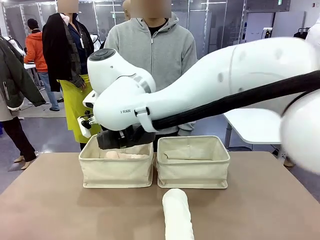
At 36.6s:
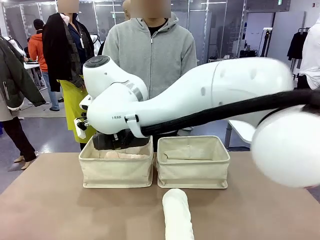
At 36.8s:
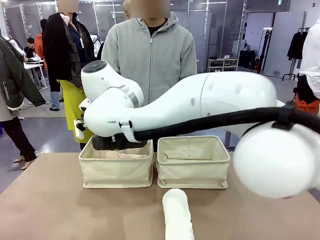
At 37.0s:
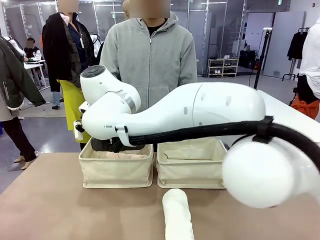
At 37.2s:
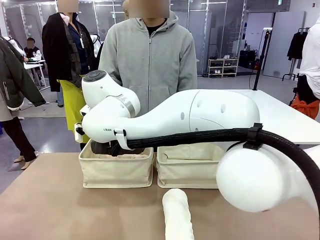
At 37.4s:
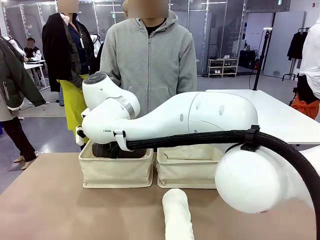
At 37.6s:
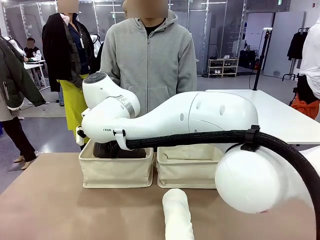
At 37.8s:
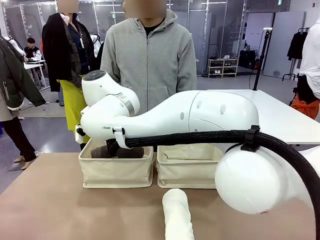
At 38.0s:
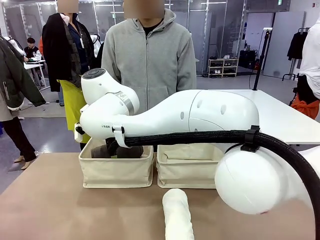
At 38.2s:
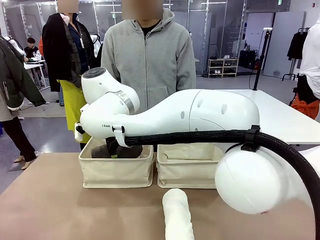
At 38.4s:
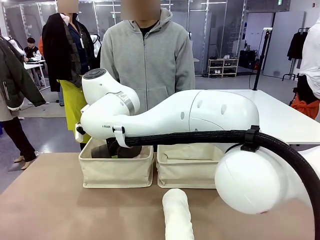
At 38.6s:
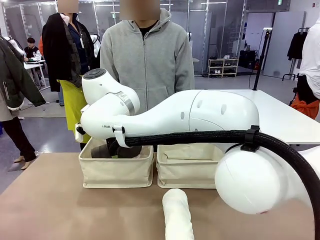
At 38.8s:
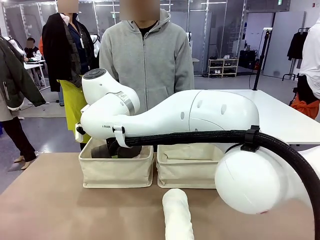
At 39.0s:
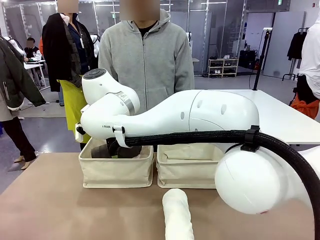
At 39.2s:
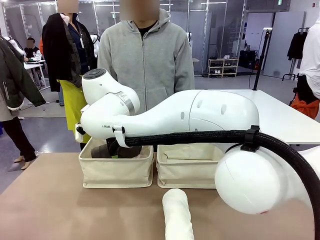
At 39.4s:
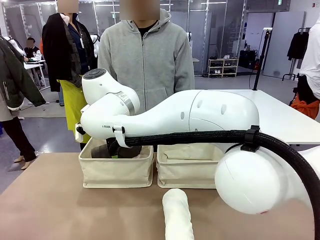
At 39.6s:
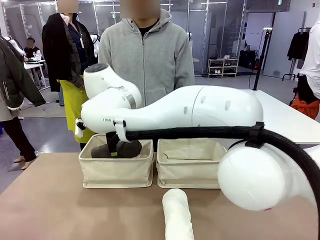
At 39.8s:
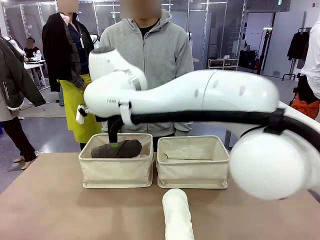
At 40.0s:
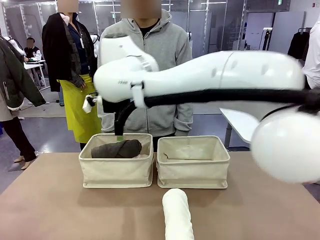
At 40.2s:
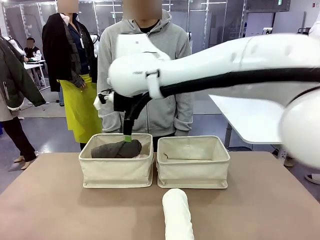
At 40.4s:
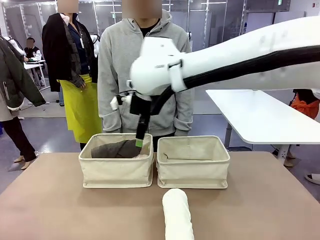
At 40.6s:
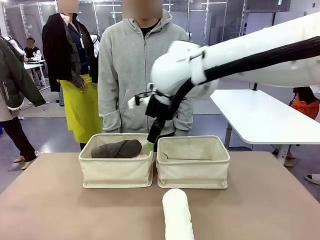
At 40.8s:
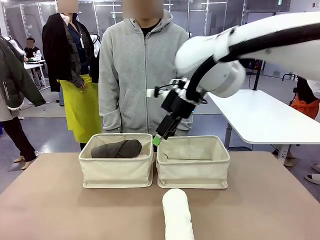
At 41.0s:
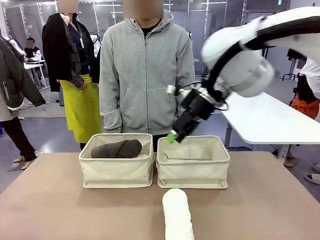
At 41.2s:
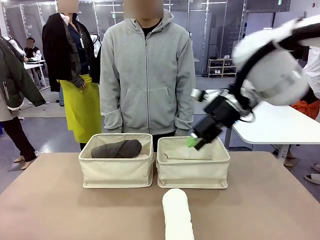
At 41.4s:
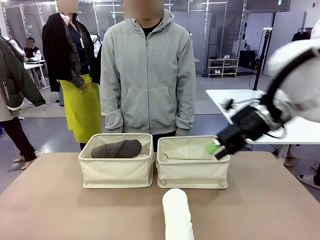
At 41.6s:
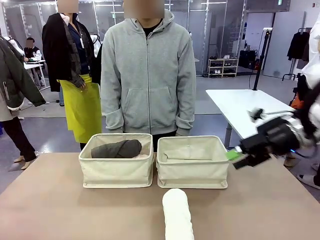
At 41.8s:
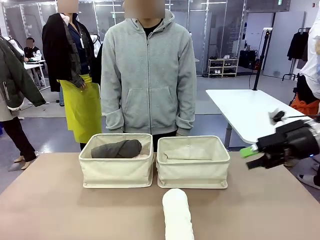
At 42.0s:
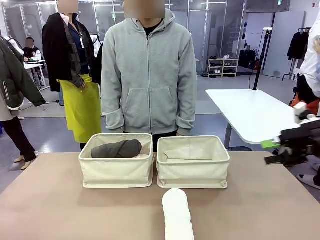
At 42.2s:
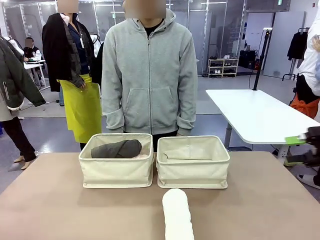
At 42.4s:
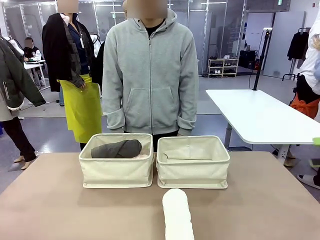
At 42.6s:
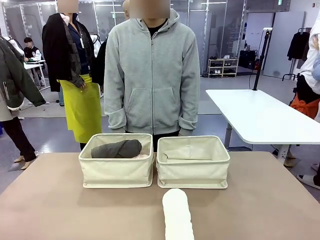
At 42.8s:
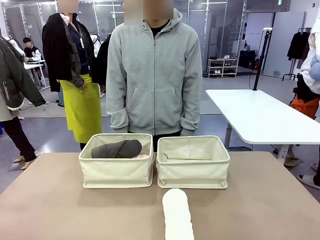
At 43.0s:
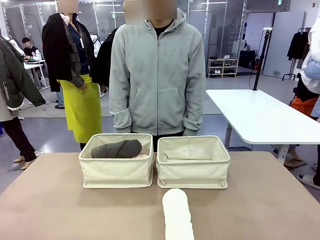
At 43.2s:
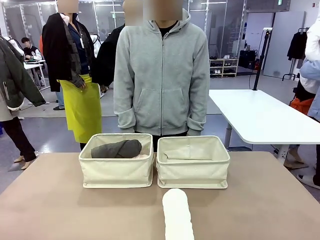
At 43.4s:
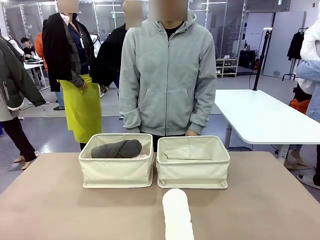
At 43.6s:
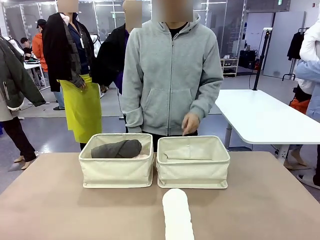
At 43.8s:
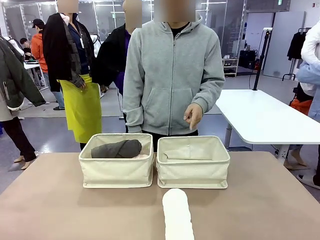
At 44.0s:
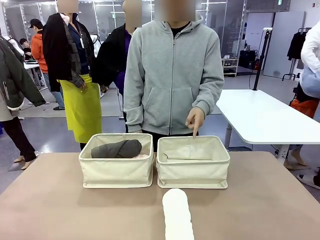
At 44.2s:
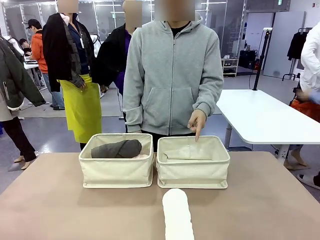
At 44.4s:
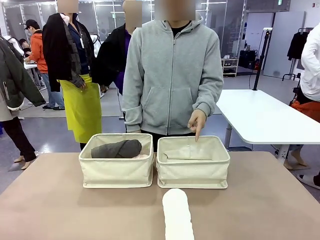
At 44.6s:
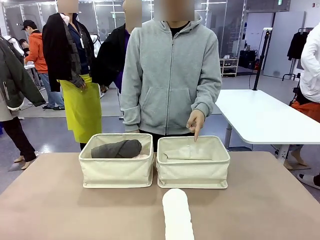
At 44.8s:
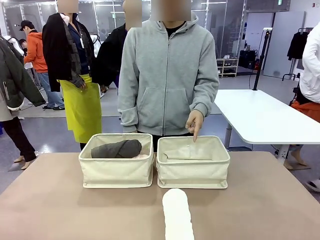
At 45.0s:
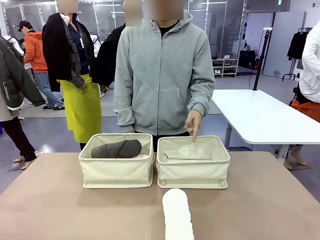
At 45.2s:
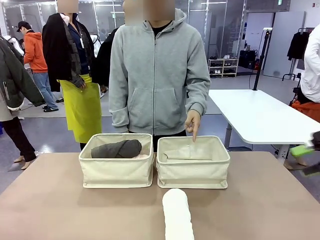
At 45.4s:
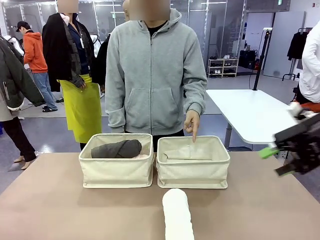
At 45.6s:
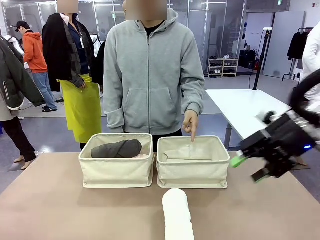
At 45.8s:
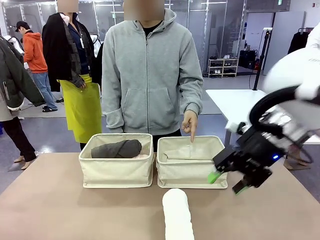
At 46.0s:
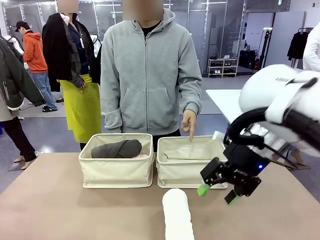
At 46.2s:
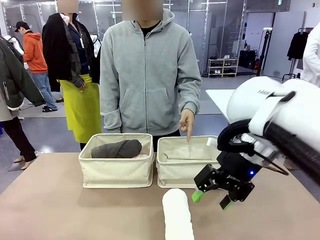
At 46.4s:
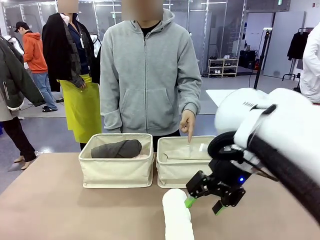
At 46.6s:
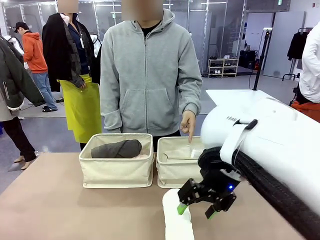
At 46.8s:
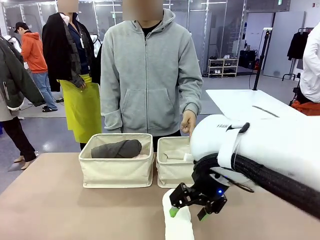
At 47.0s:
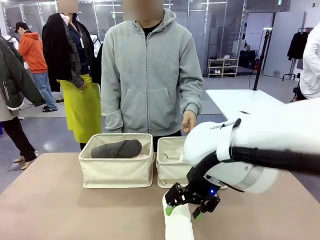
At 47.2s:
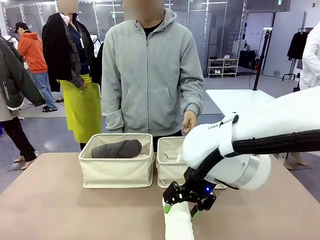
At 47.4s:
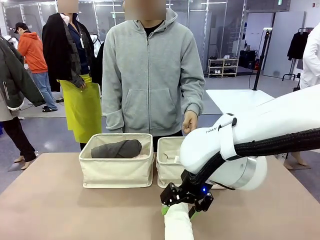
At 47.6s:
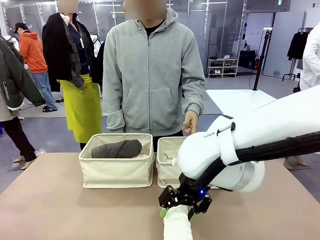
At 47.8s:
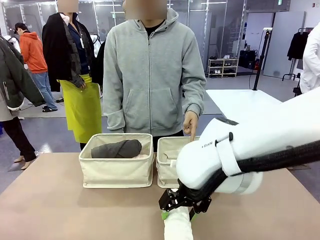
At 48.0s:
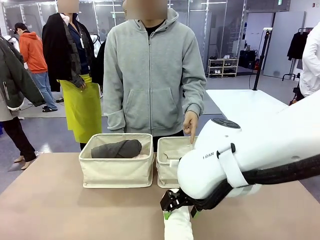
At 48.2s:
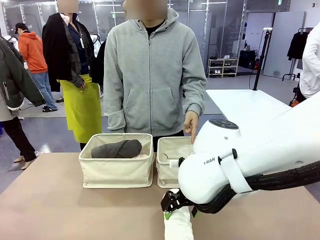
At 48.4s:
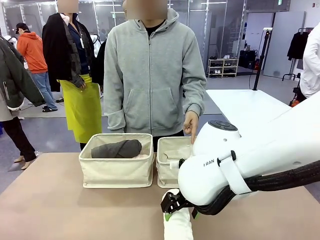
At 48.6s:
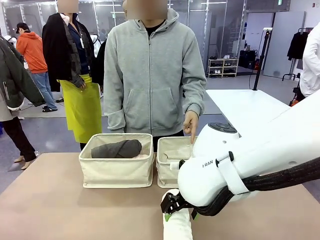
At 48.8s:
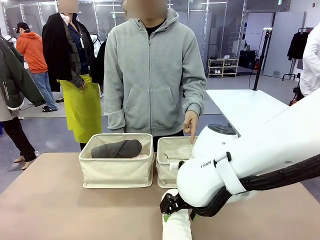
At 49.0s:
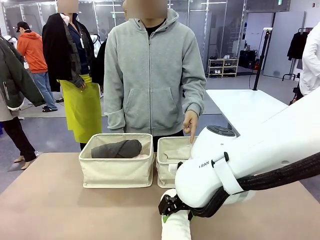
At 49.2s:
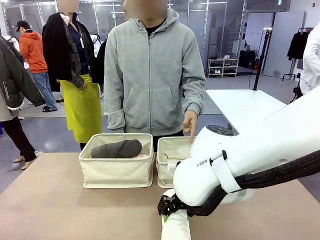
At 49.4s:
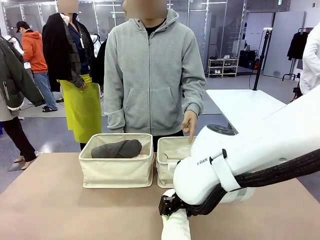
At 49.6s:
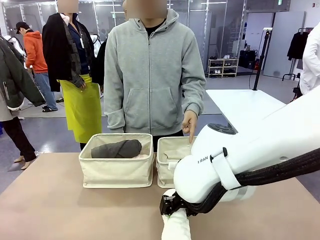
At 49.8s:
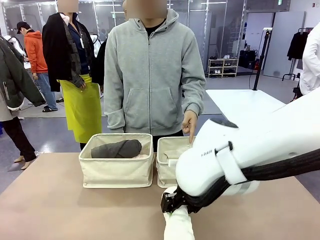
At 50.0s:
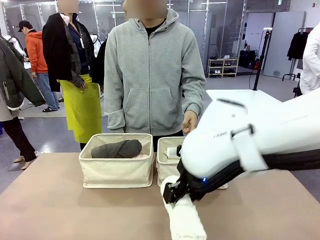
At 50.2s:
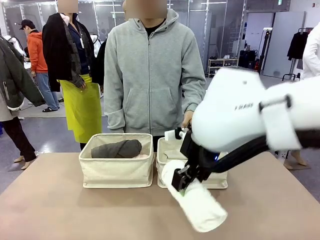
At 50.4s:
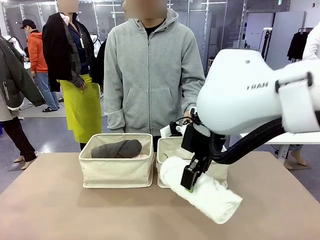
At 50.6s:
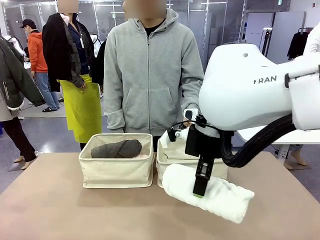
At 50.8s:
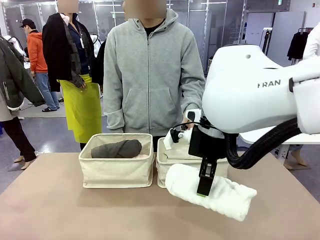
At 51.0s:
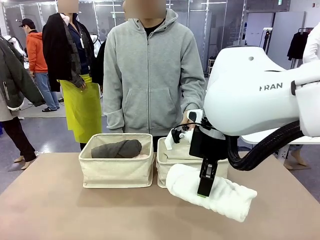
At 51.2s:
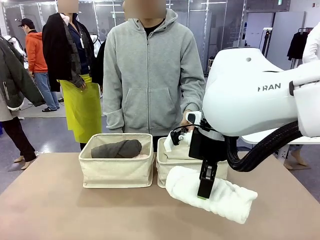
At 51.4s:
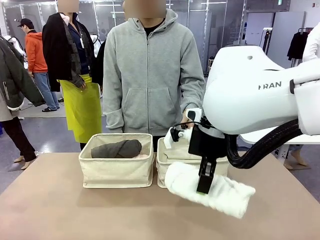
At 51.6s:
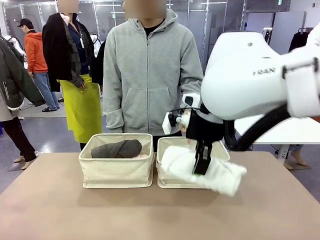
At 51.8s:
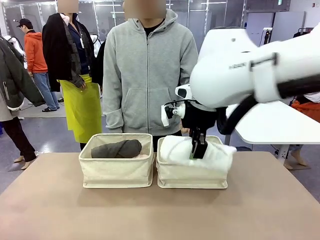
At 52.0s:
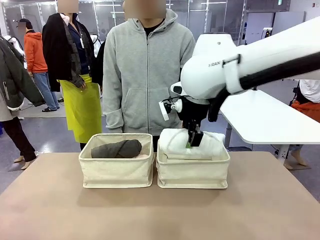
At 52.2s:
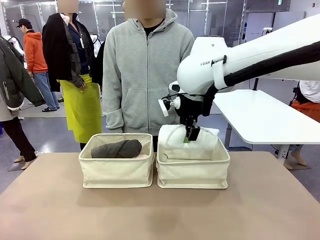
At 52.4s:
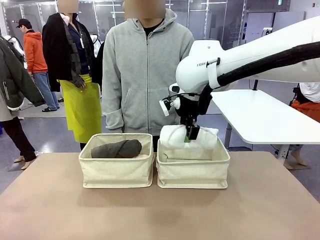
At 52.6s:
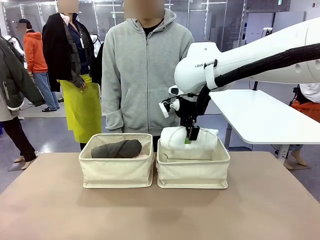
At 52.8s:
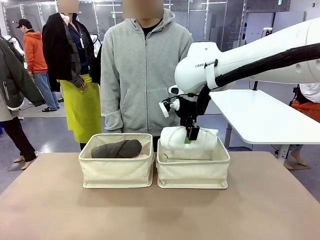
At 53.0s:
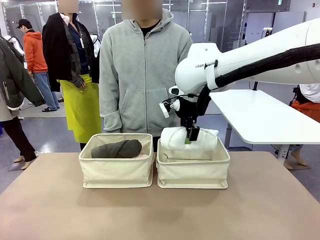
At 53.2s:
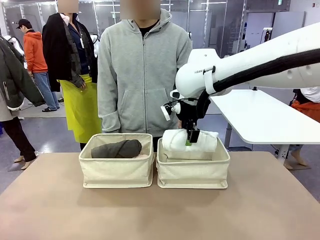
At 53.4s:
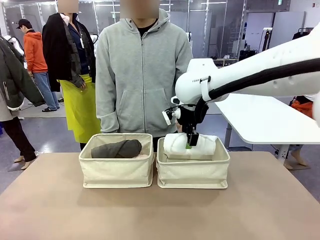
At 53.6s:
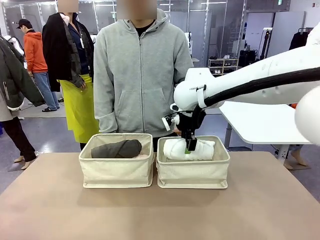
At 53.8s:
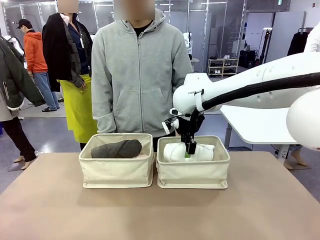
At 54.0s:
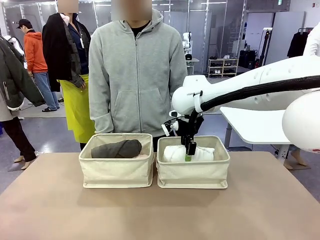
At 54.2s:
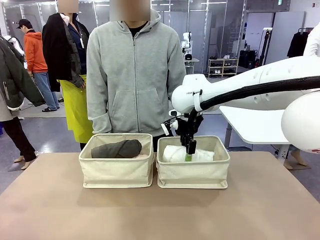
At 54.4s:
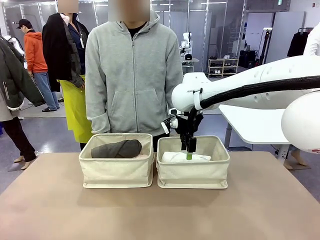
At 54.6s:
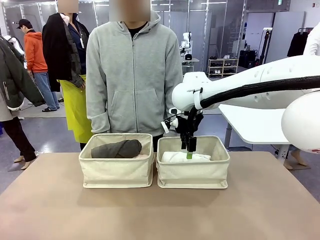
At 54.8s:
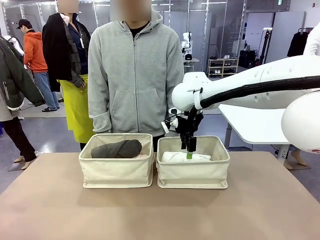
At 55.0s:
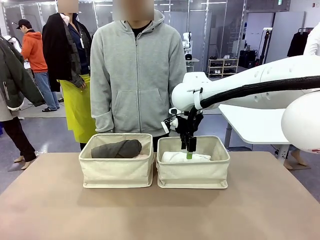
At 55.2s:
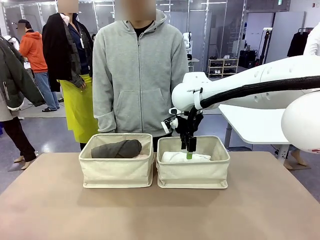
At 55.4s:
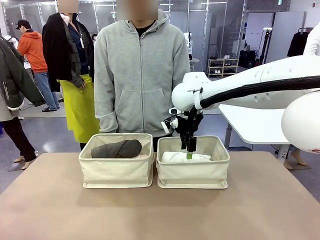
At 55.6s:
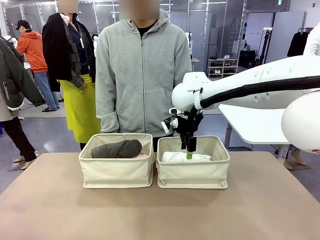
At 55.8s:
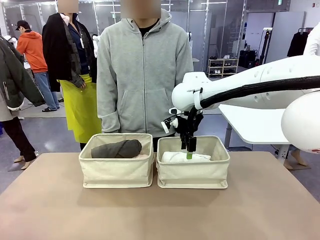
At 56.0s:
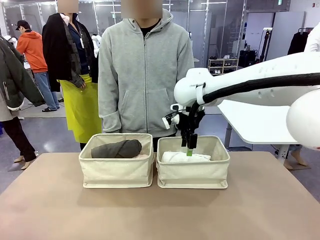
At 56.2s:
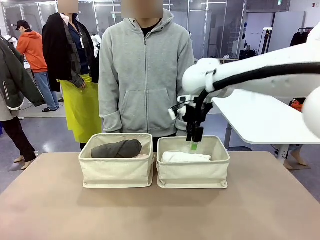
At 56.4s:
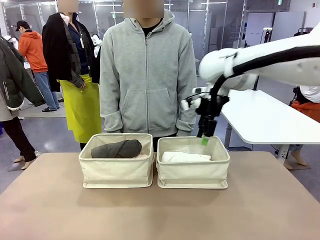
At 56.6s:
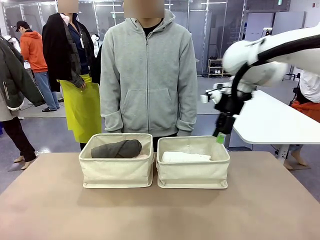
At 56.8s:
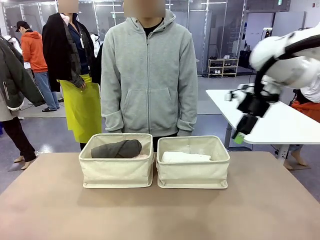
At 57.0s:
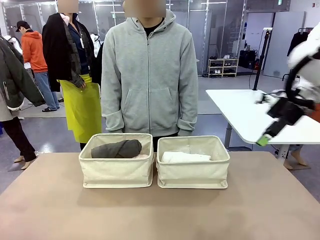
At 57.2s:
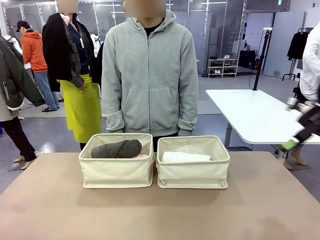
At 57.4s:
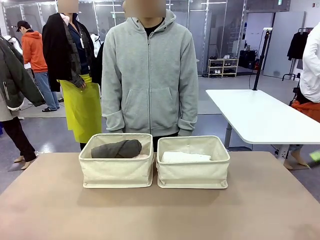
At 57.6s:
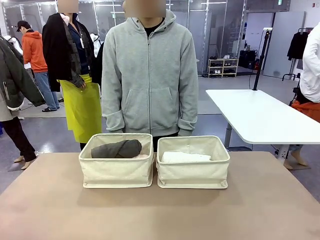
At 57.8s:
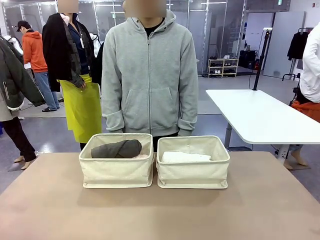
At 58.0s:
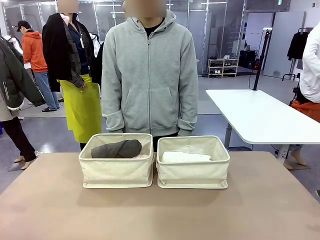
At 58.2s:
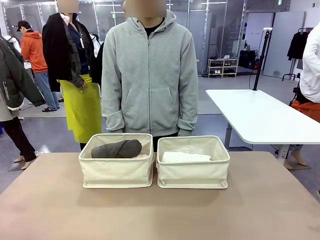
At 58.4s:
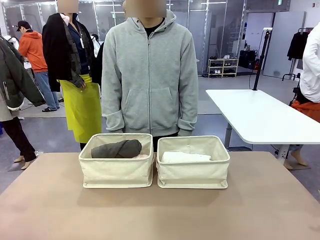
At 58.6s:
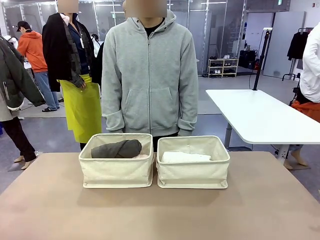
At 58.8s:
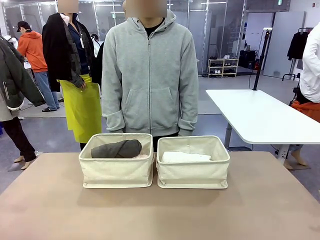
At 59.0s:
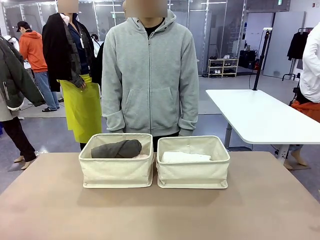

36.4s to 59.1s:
Task: Divide the towels into two baskets.
Robot: Pick up one hotel-folded towel from the bottom of the table and place it in the Fabric basket indicated by the person.
